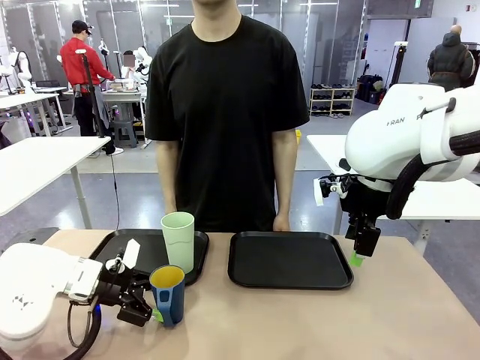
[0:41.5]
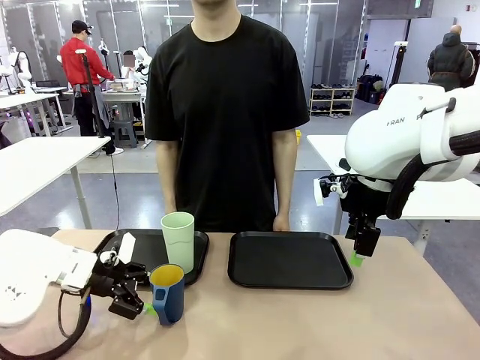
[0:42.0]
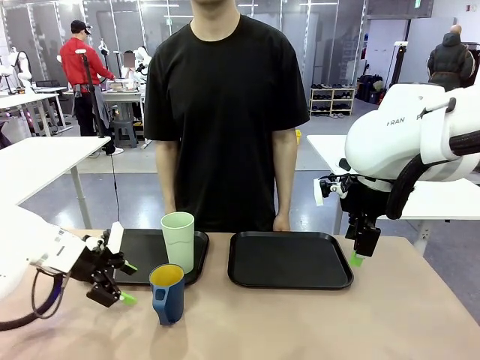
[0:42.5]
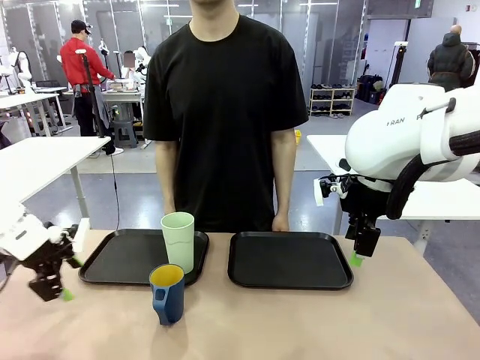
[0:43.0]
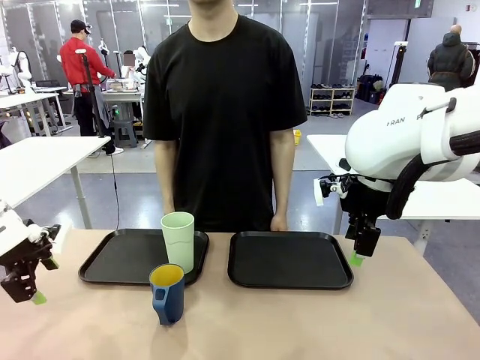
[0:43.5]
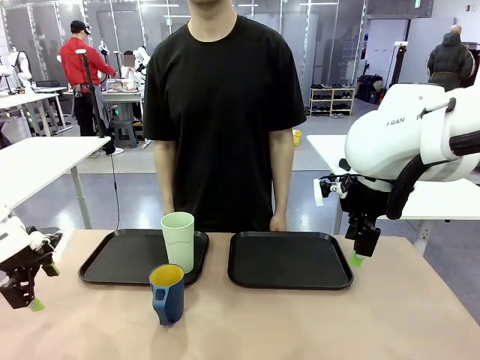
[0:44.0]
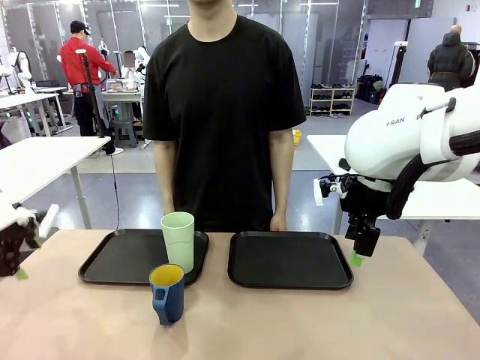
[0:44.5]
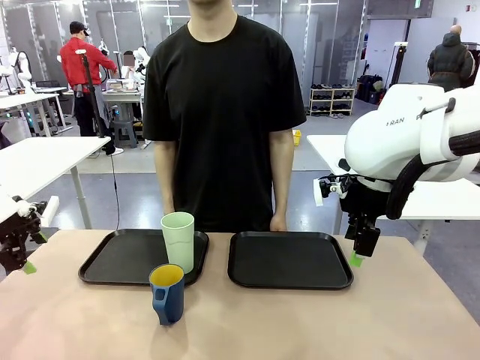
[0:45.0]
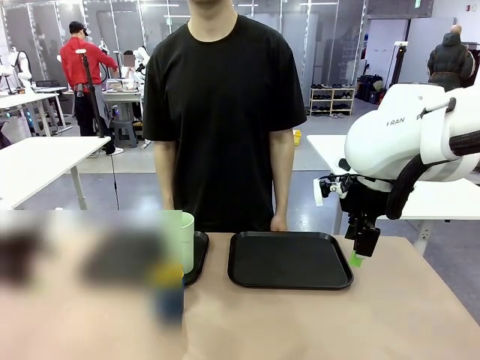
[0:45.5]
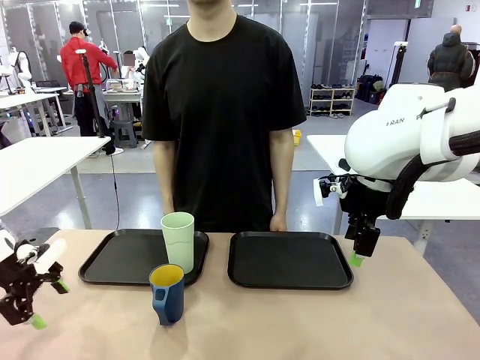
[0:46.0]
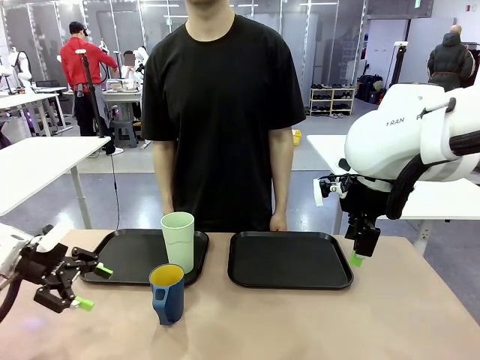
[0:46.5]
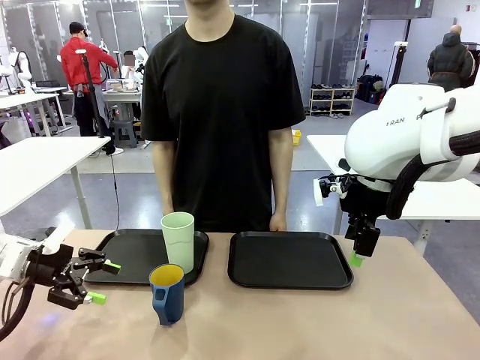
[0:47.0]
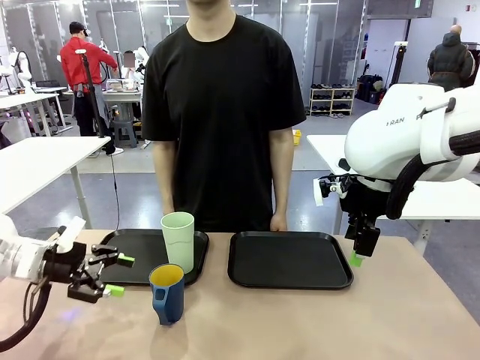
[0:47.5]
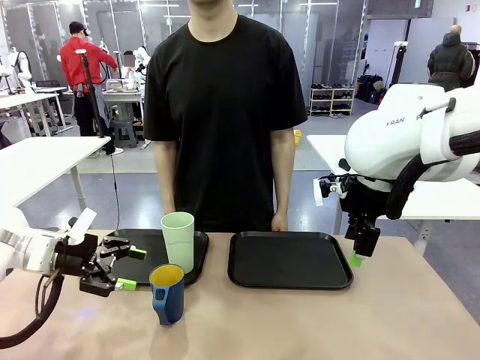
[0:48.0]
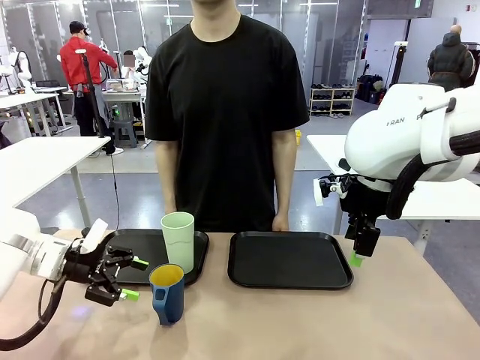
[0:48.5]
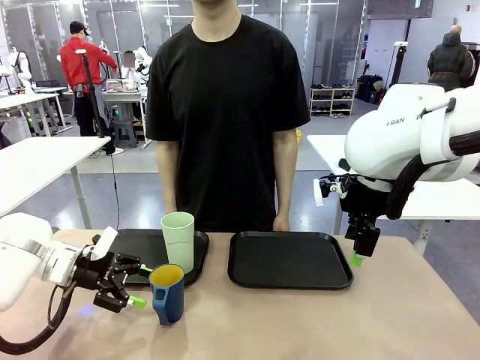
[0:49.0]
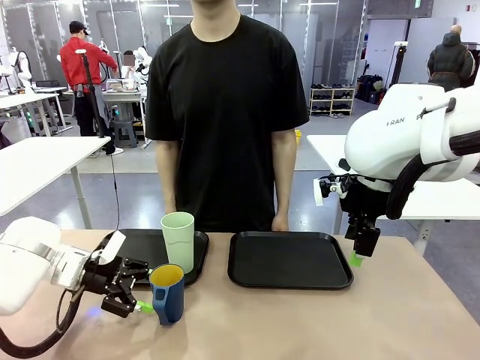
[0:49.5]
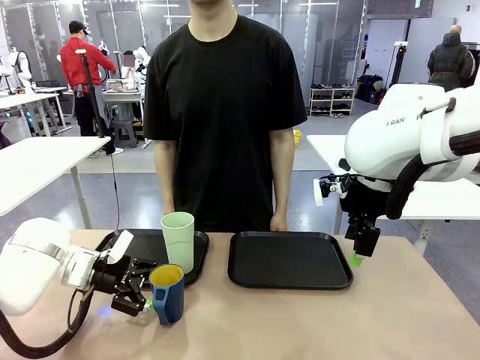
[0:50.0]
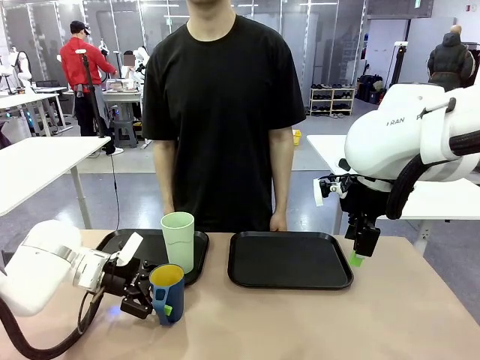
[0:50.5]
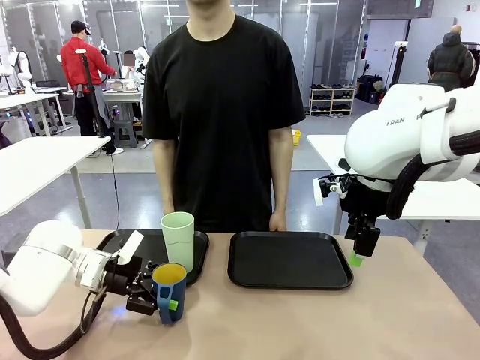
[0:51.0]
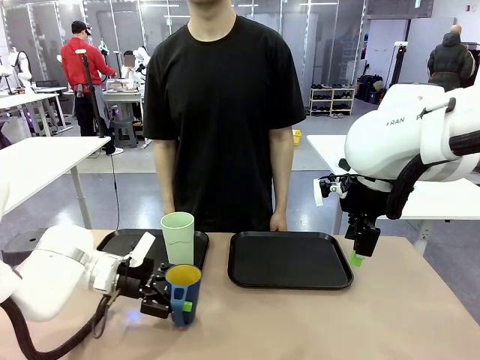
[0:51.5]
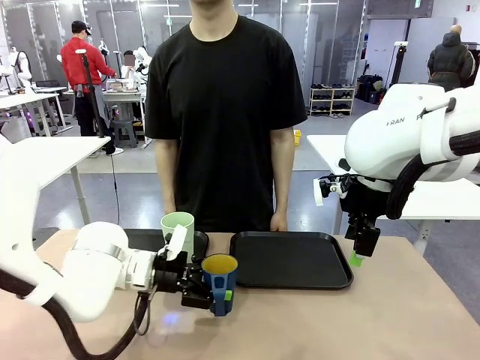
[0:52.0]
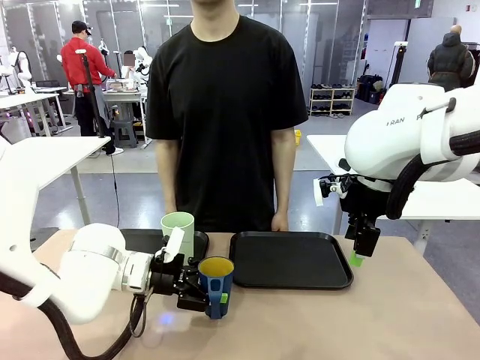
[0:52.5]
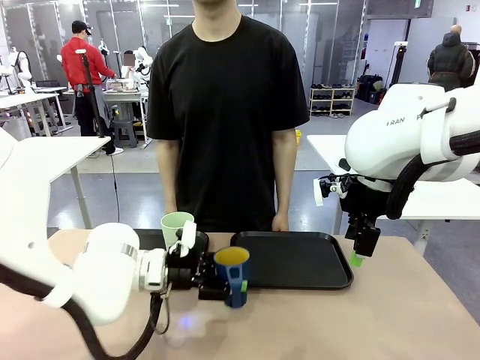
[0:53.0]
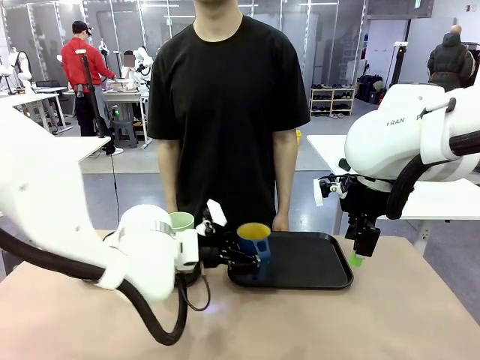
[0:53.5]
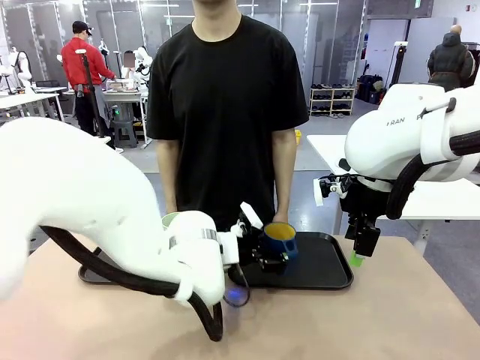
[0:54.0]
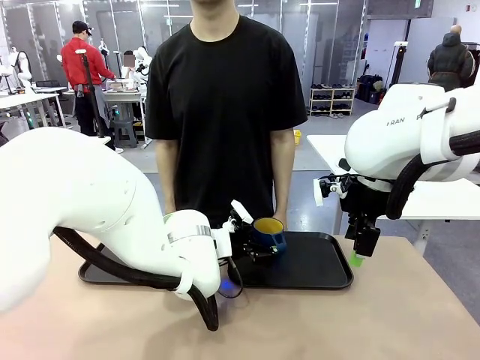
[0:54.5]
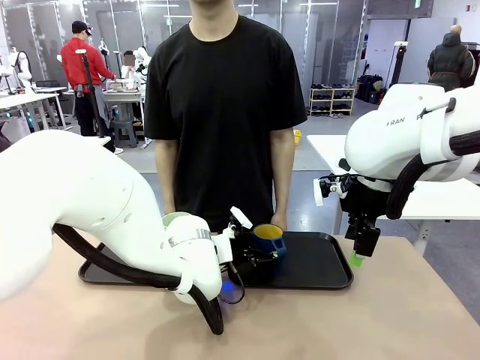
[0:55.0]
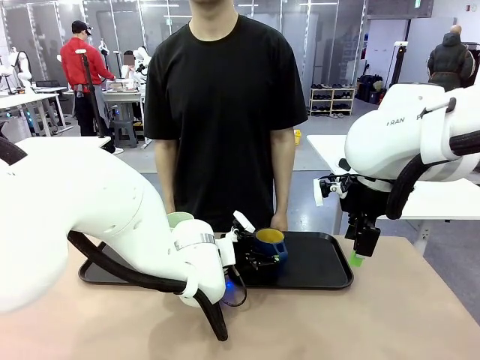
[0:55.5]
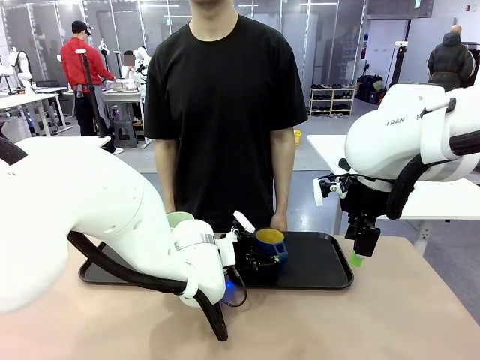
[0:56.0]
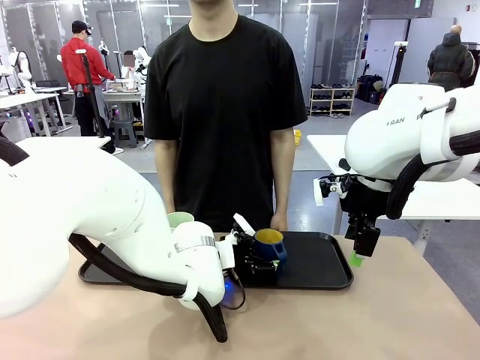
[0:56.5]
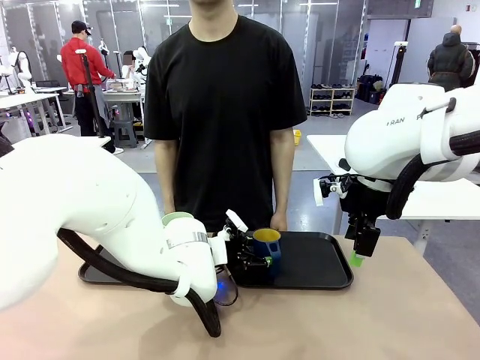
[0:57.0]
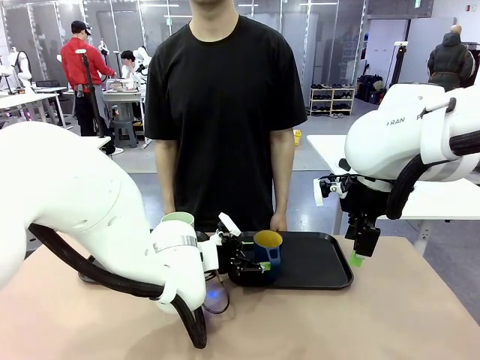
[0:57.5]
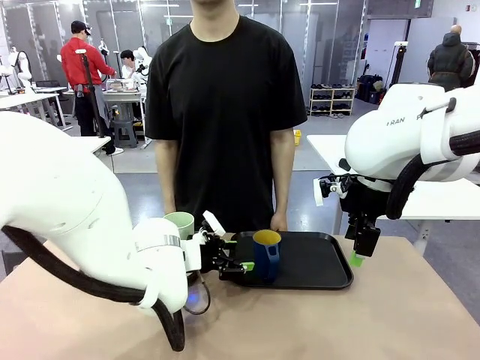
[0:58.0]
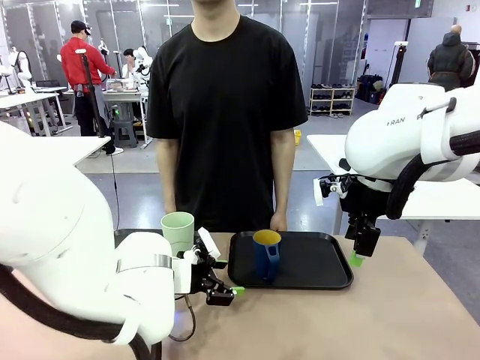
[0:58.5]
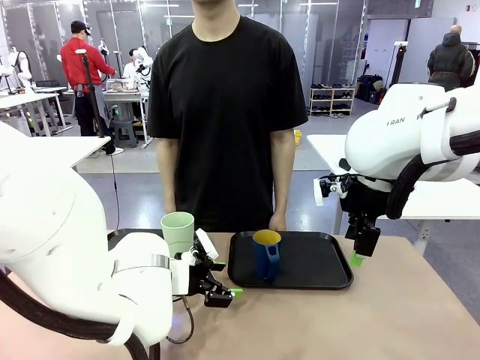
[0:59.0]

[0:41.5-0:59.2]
Task: Sort and store the cups by type.
Robot: Pick up the Handle plastic cup and place it into the empty Flat Tray.

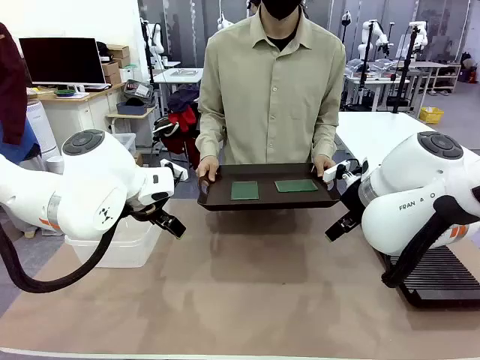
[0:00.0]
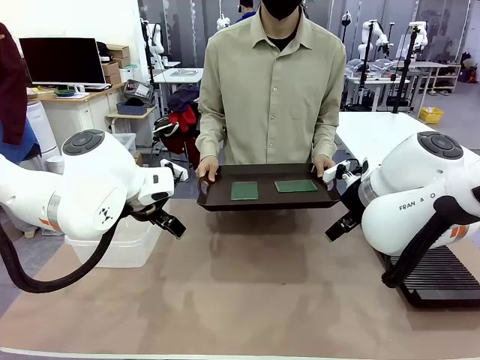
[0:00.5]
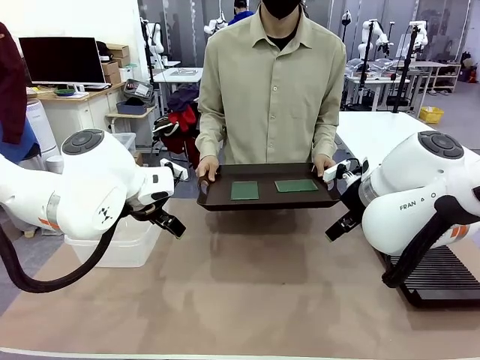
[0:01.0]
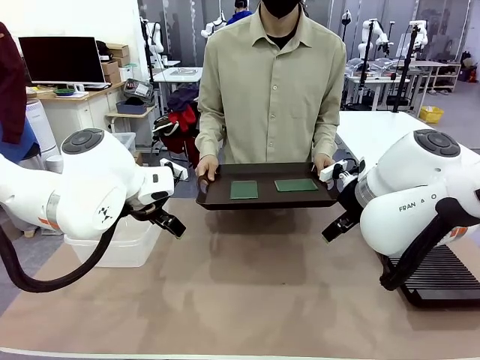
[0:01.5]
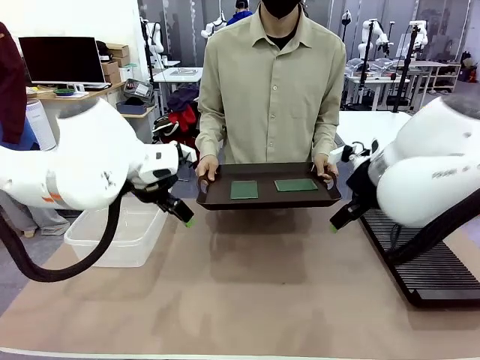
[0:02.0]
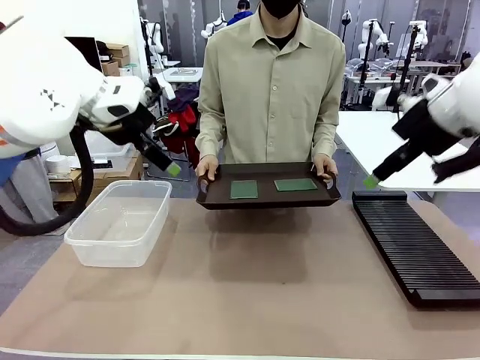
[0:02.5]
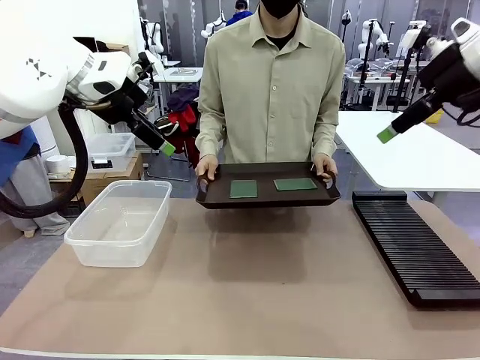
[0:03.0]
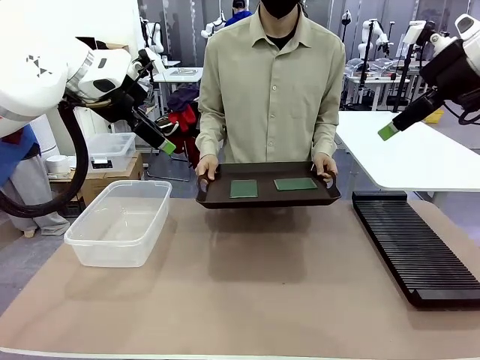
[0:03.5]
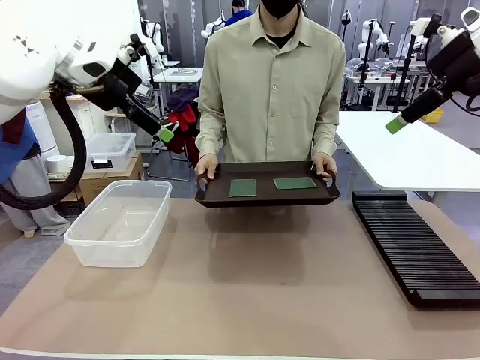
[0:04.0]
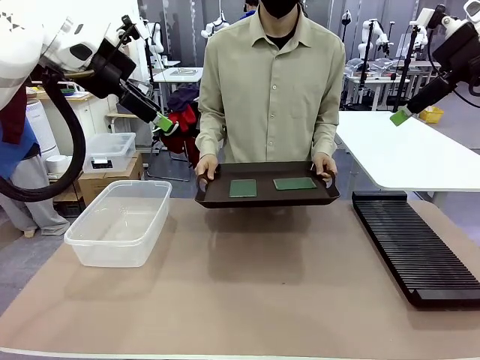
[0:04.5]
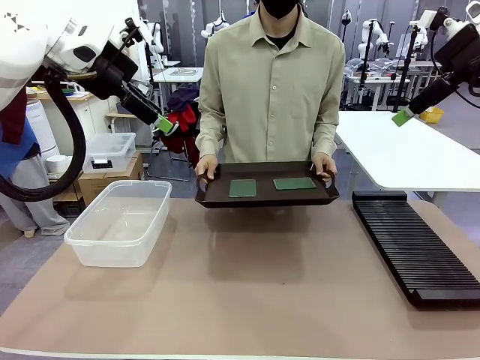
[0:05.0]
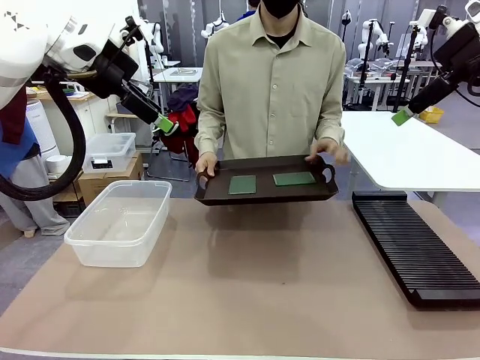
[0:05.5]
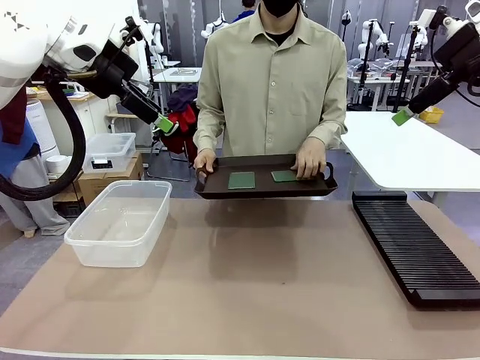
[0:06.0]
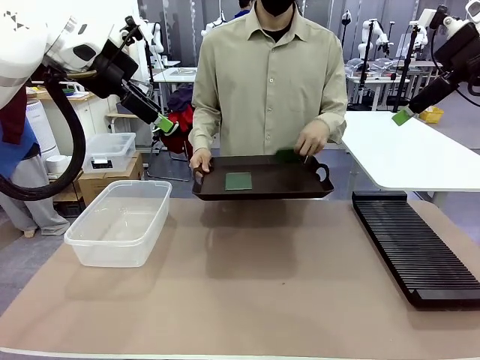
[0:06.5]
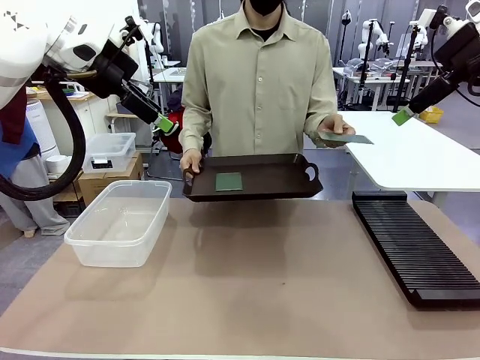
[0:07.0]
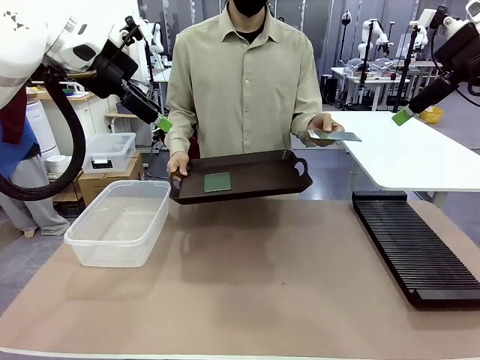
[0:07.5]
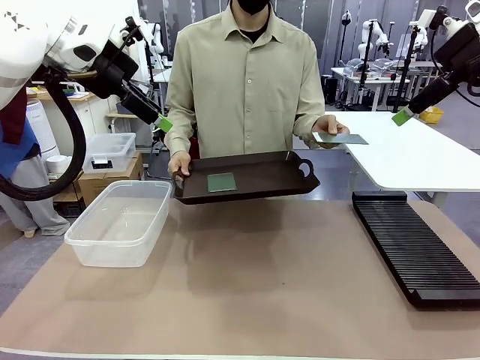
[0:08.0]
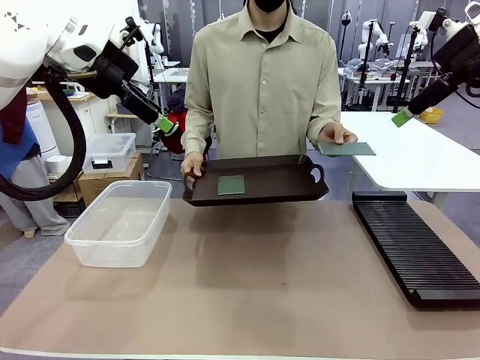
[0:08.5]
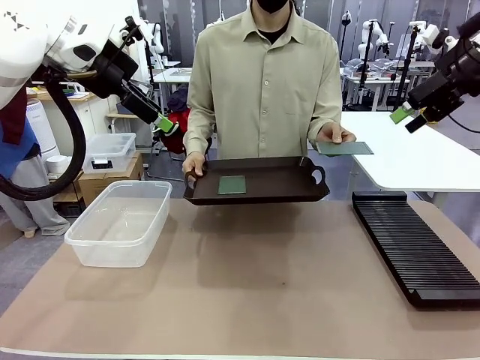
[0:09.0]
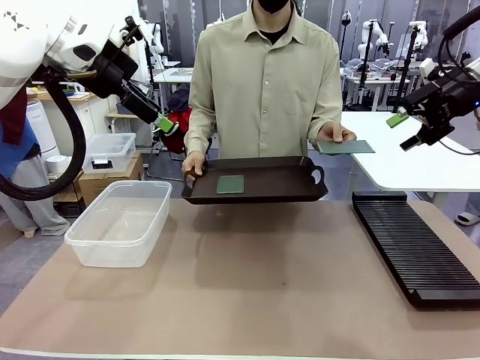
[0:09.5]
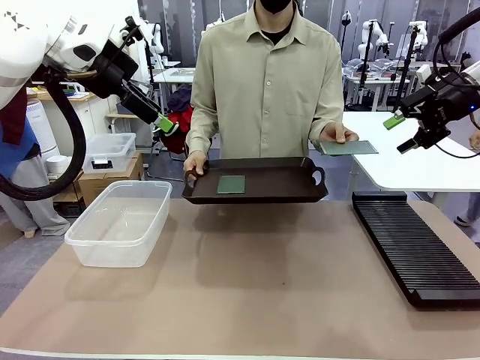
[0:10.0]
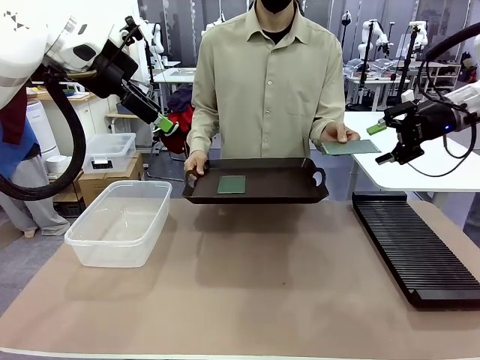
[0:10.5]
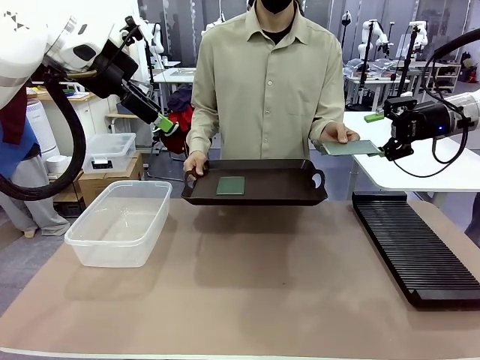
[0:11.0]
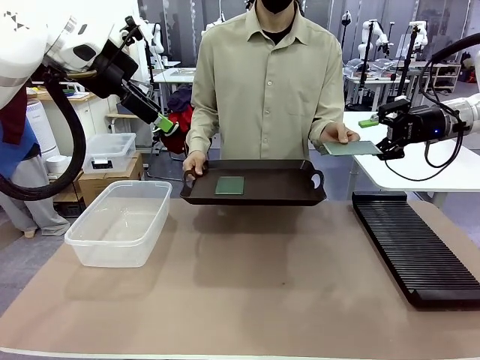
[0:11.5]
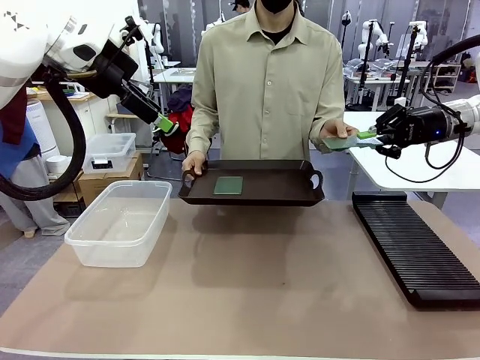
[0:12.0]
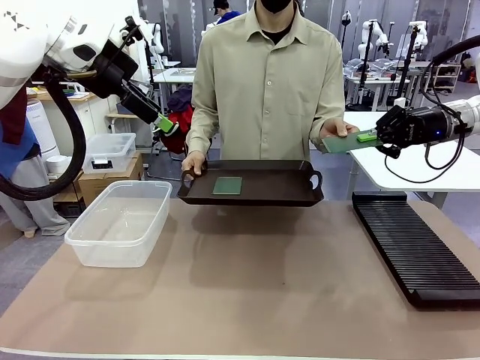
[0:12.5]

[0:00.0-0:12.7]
Task: Sort PCBs into racks and boxes based on the side picked up.
Robot: Pick up the Blank PCB handed by the Human.
Person: Pick one PCB from the tray and present it to the robot. Release the PCB being held.
